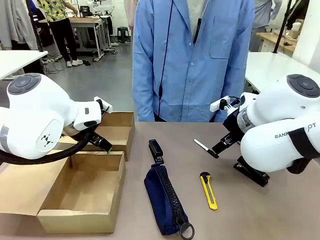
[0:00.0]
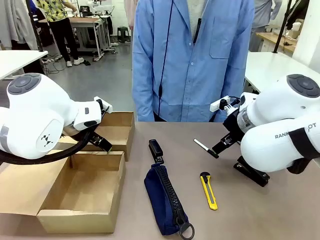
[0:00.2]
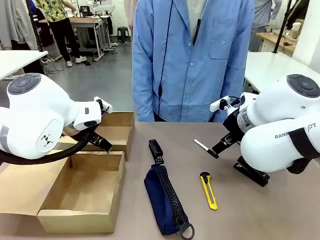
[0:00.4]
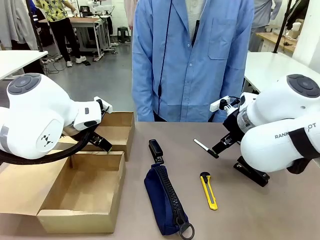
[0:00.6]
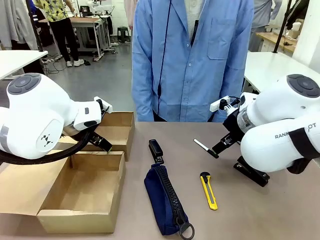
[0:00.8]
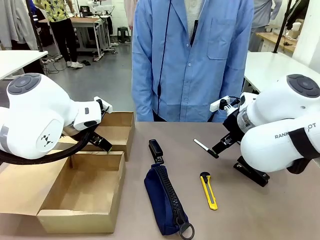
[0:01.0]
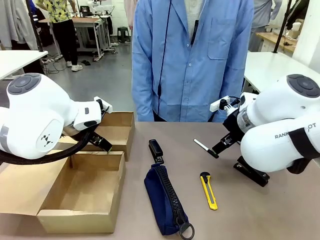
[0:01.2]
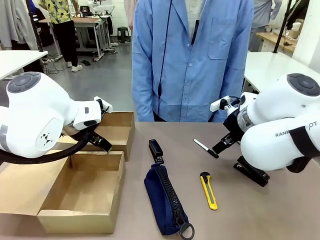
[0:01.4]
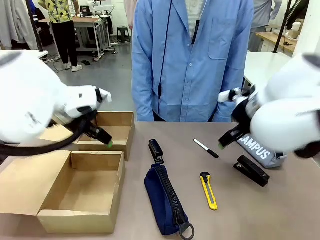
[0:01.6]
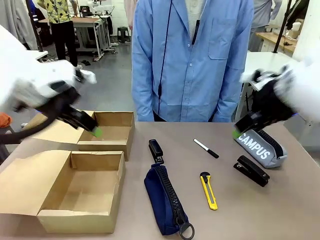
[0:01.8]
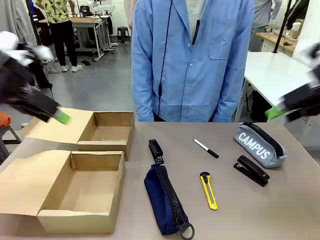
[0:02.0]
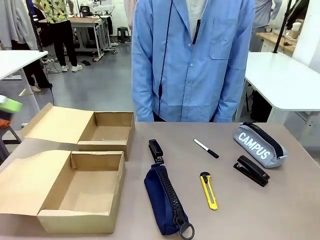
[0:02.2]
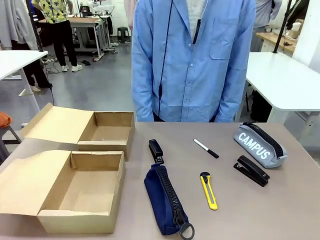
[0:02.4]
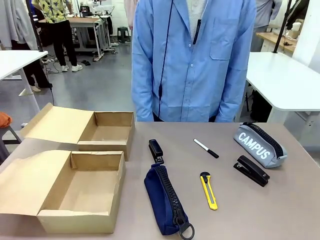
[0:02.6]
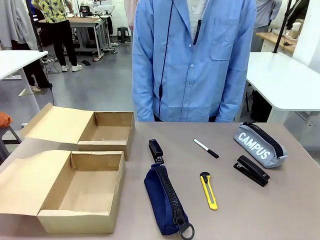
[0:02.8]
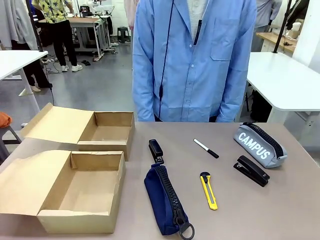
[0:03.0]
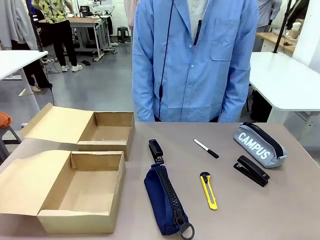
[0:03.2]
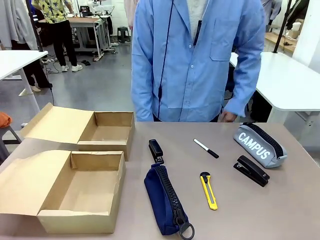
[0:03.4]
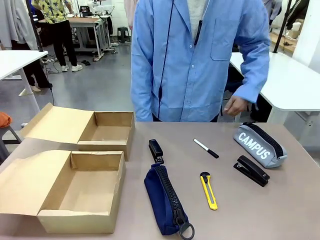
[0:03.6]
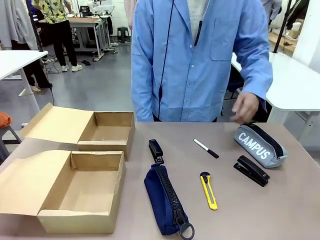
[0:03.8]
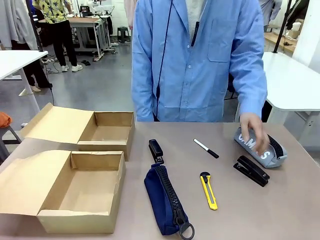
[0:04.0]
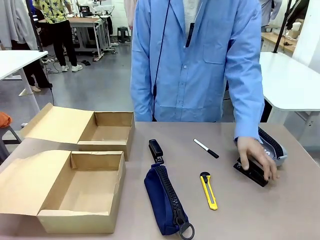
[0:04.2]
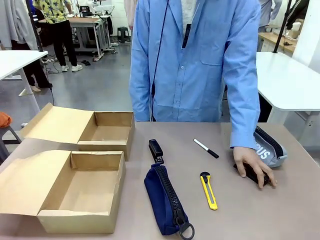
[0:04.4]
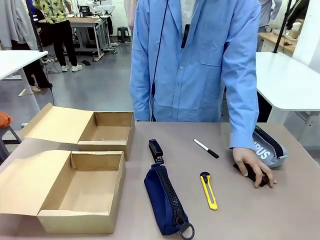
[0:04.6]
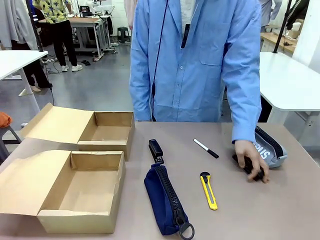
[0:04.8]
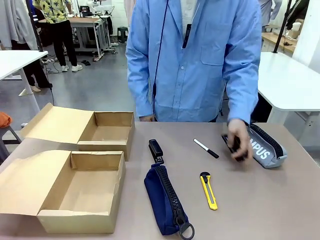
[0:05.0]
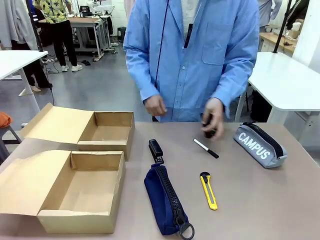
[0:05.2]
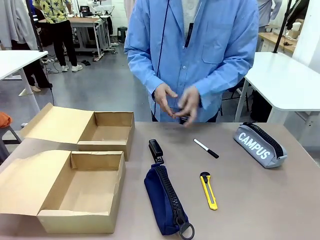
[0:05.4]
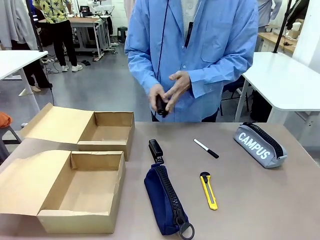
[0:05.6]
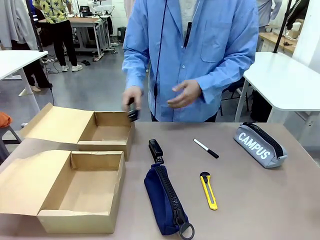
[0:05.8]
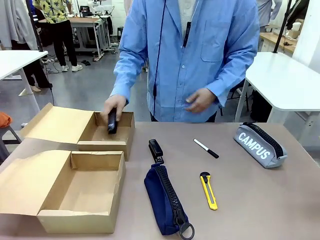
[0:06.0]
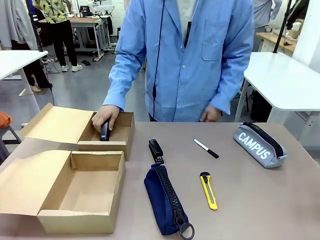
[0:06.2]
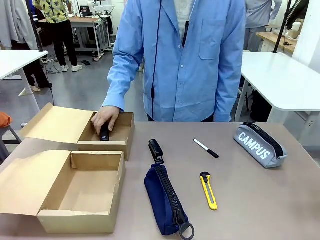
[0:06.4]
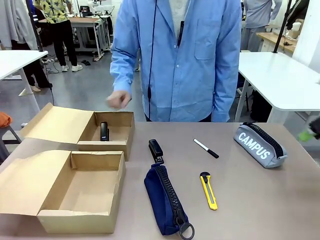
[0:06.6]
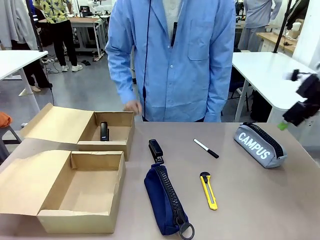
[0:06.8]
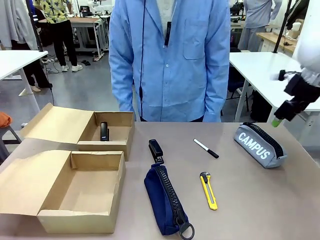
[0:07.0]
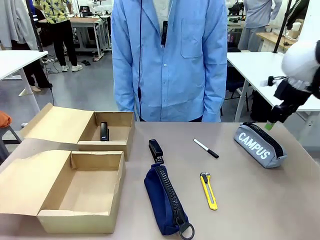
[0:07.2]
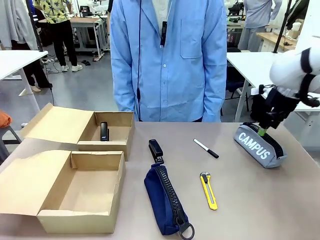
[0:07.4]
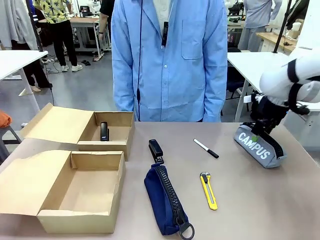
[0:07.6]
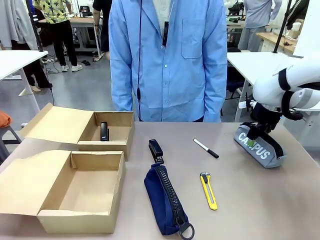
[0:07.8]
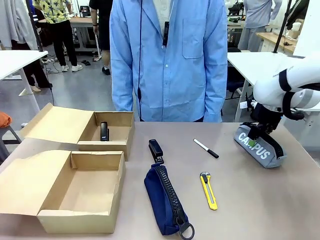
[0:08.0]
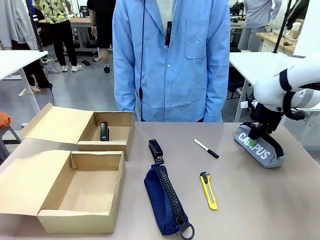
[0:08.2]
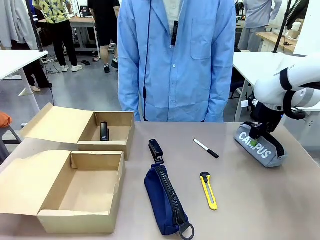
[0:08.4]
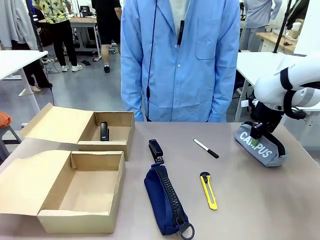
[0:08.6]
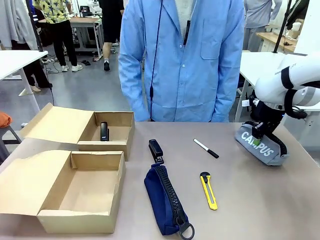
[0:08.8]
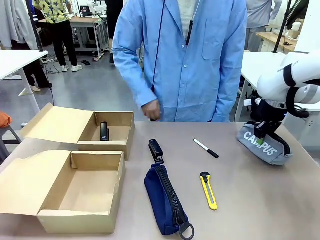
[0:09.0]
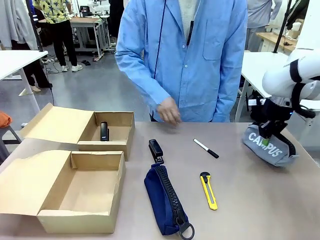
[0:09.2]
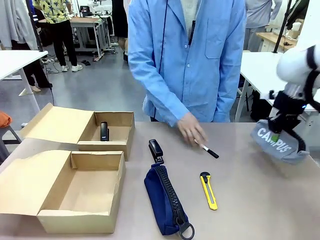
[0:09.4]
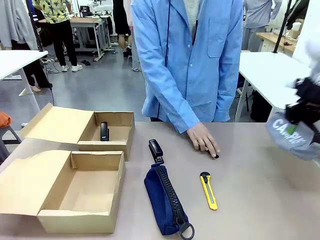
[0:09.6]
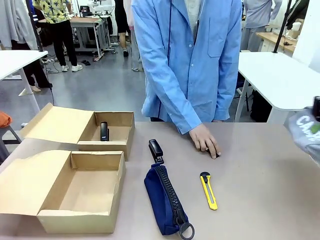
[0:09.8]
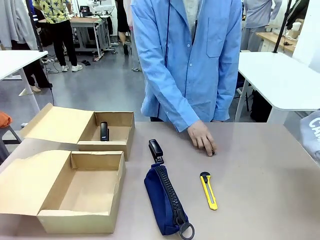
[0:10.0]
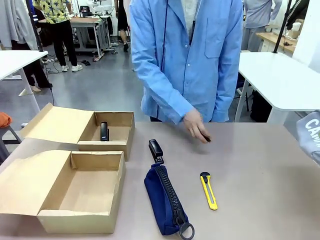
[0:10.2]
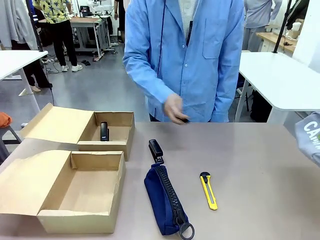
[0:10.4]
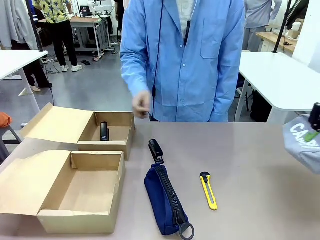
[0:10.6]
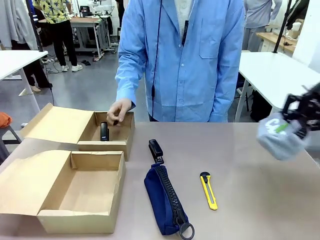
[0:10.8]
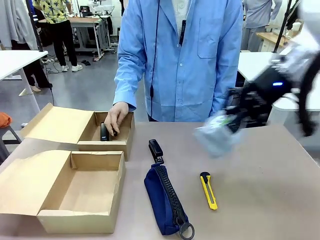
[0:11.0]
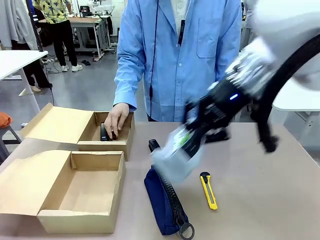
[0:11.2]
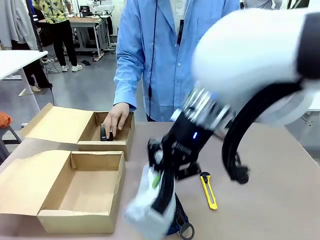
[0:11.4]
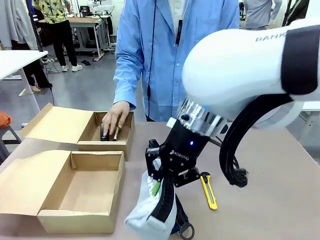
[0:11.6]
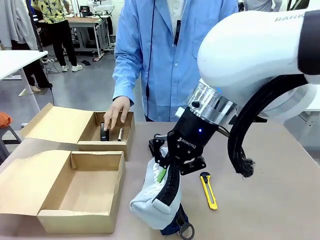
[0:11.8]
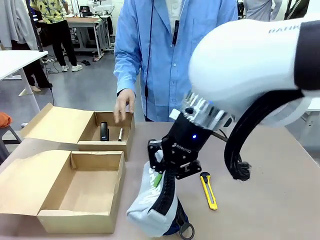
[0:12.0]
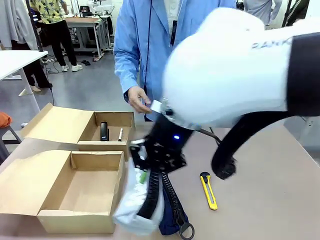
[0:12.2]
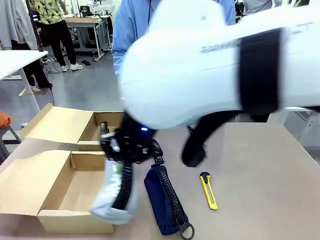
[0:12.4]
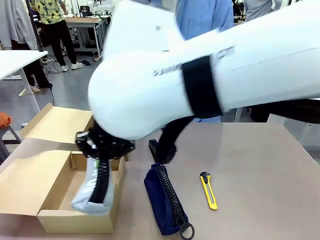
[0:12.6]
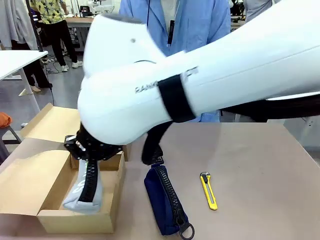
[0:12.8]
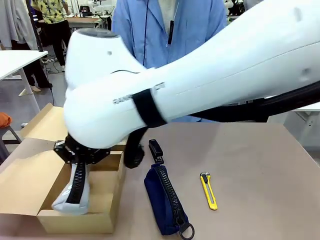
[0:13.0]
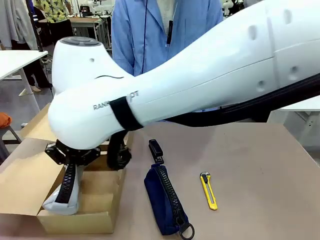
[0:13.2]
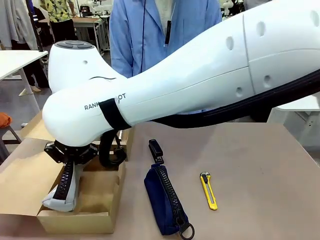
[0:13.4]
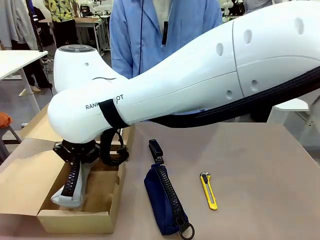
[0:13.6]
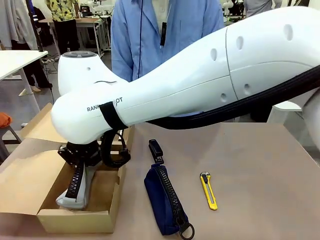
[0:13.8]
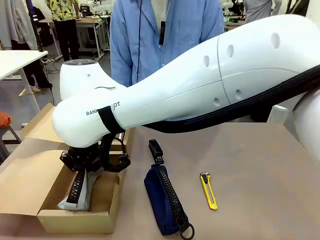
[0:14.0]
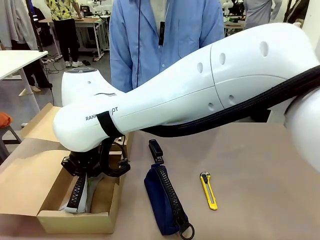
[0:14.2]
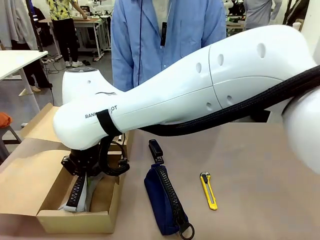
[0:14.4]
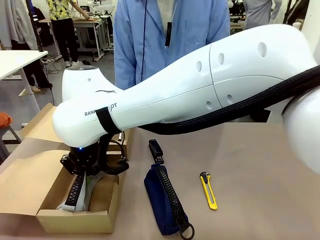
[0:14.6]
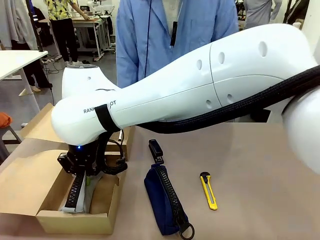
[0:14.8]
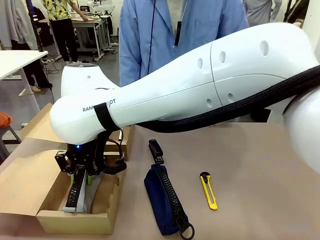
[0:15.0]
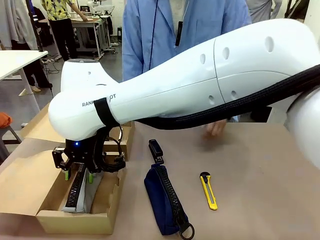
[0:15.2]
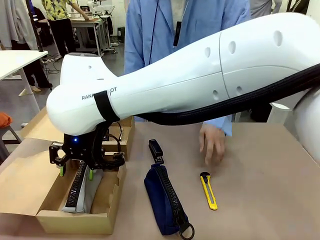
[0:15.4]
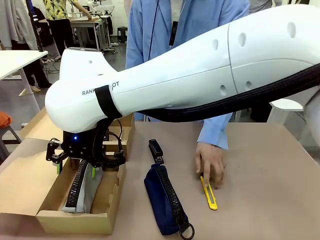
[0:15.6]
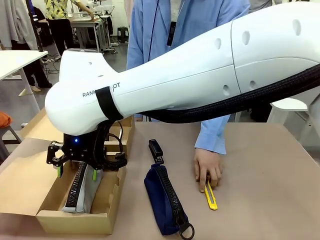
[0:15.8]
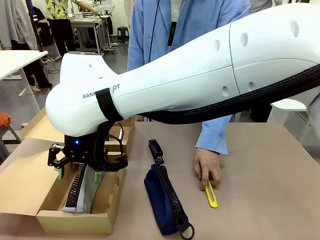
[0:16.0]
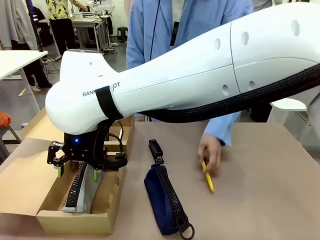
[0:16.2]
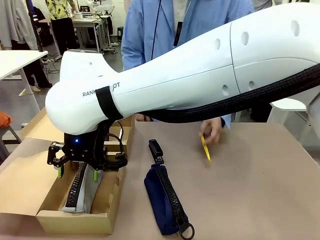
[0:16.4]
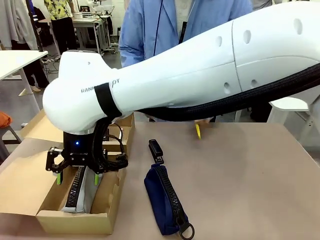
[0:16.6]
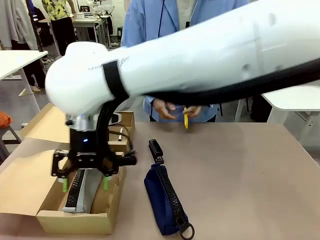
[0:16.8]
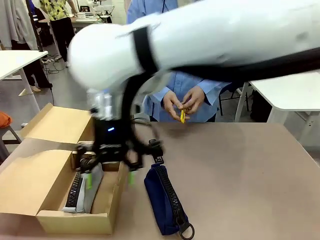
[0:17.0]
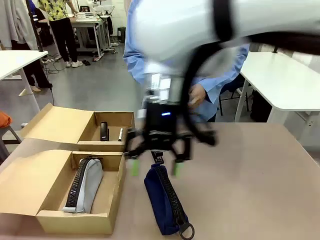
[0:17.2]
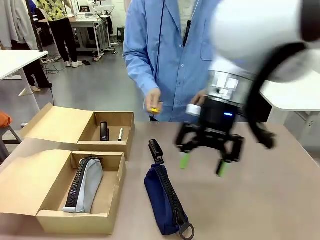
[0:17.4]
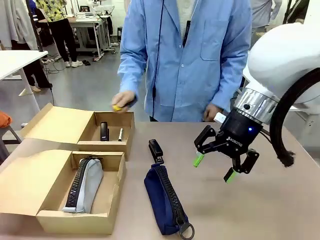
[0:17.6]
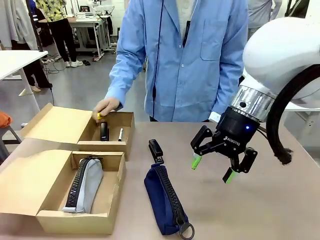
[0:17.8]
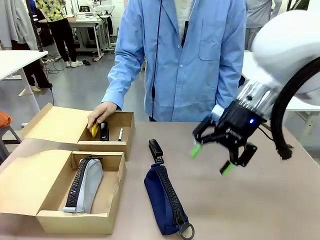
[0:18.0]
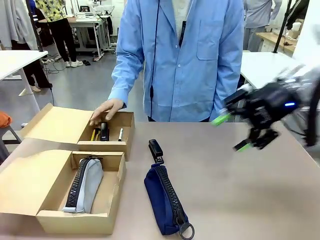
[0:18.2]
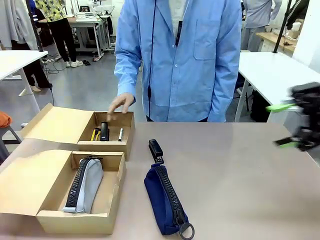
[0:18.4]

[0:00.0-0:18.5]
Task: Place items inside the box.
Robot: Pick up a Pencil pouch or Stapler and place it inside the Mailer Box closest to the robot.
Person: Pick up an object on the table and put it in the box.
